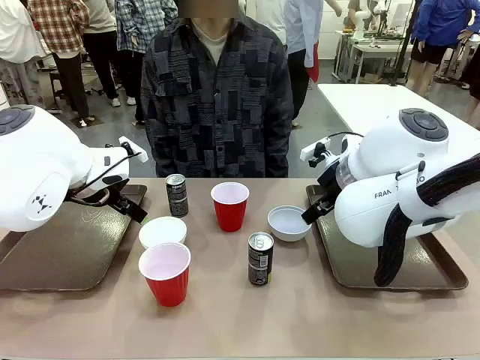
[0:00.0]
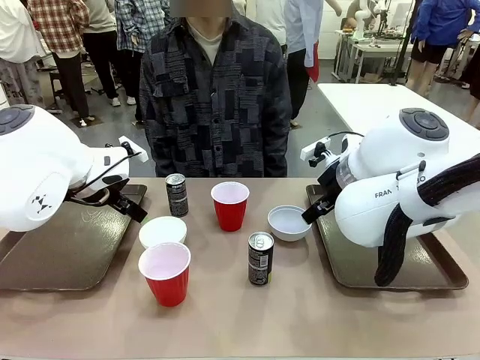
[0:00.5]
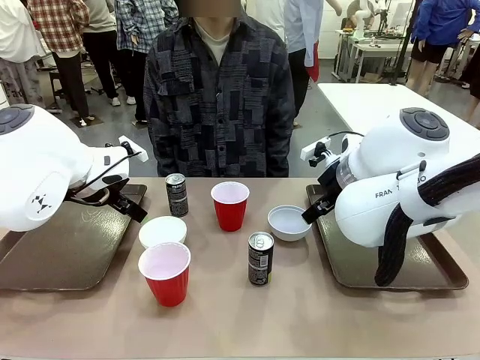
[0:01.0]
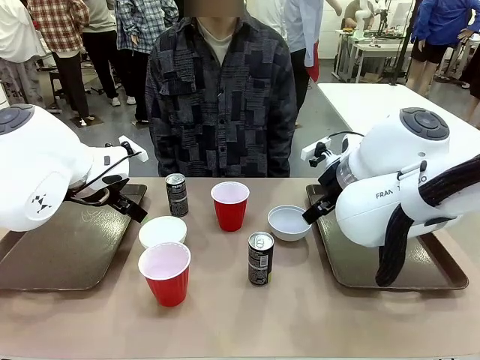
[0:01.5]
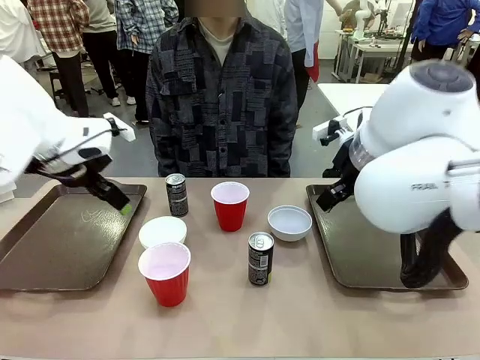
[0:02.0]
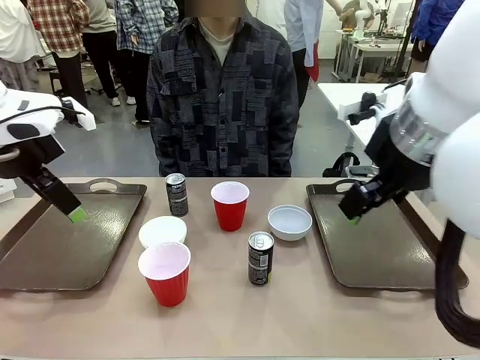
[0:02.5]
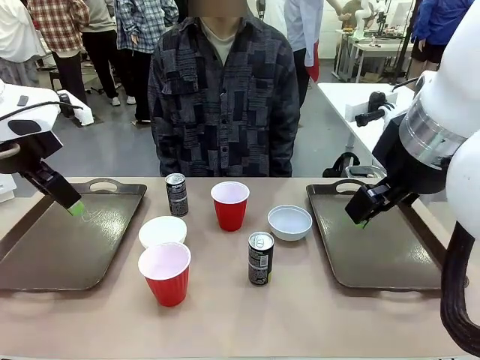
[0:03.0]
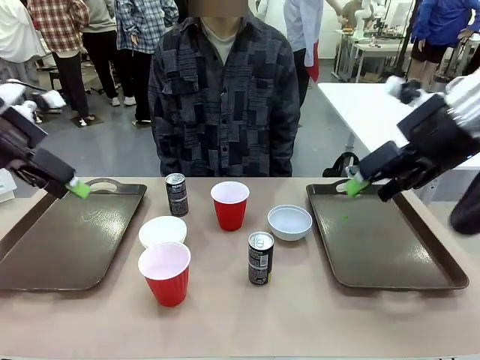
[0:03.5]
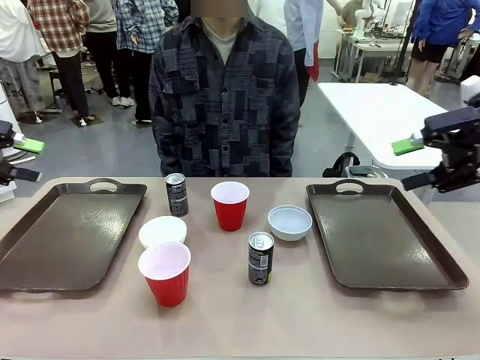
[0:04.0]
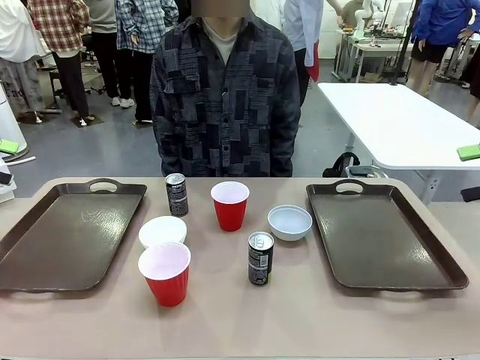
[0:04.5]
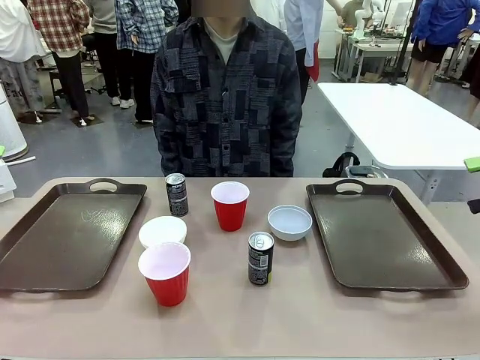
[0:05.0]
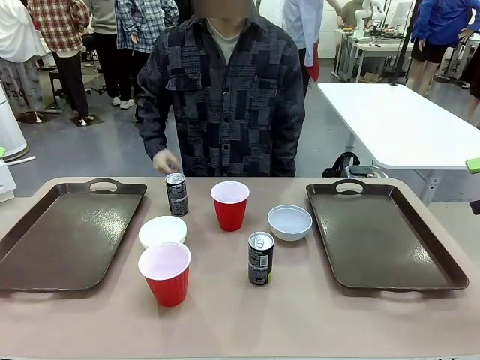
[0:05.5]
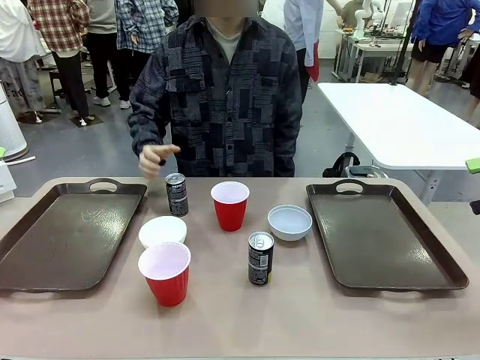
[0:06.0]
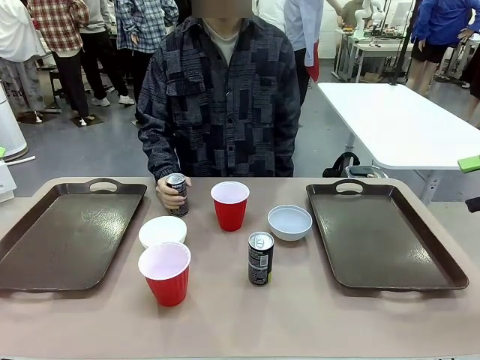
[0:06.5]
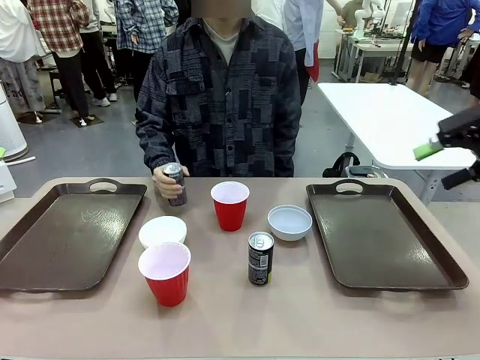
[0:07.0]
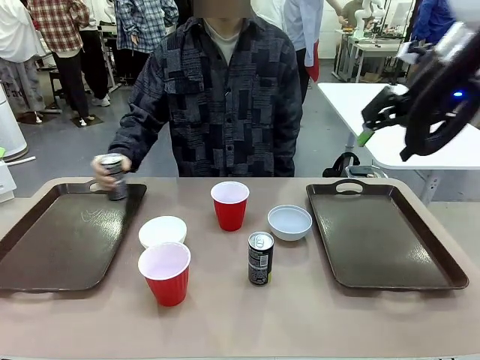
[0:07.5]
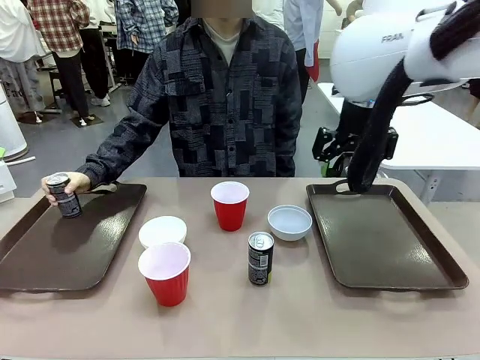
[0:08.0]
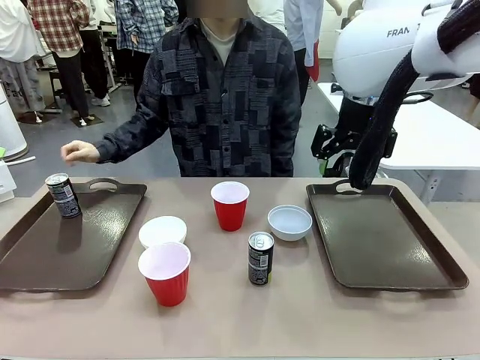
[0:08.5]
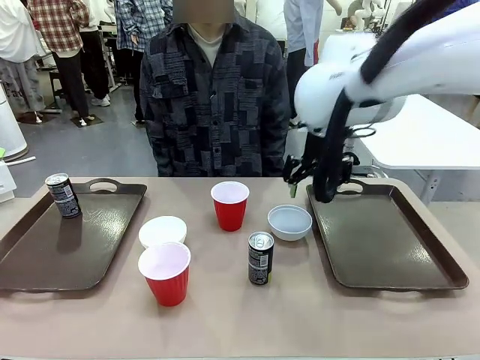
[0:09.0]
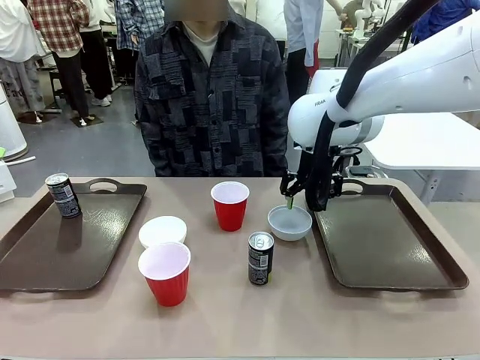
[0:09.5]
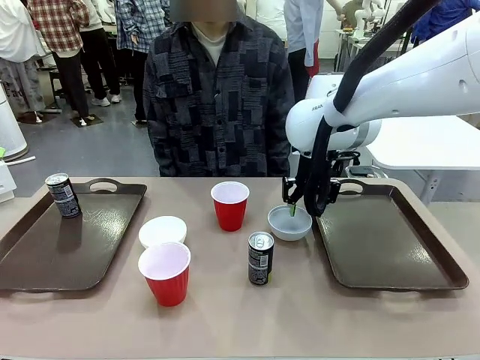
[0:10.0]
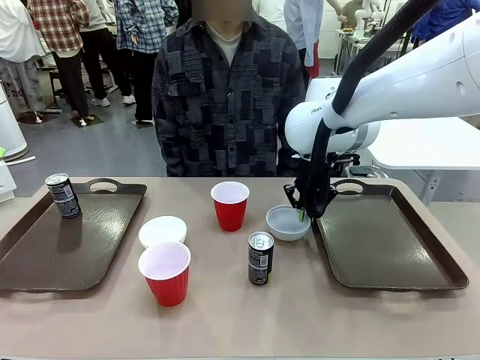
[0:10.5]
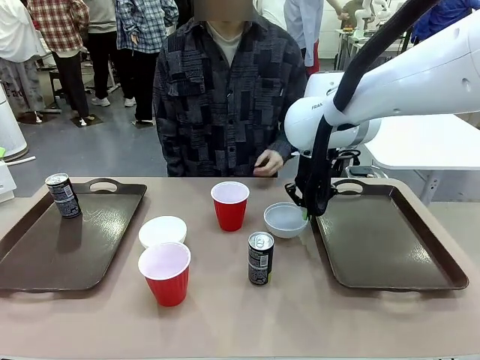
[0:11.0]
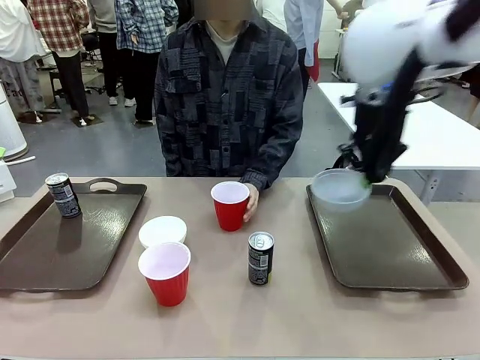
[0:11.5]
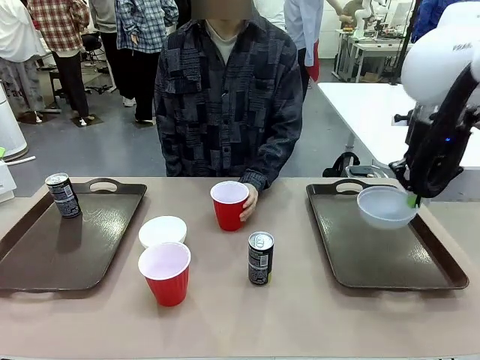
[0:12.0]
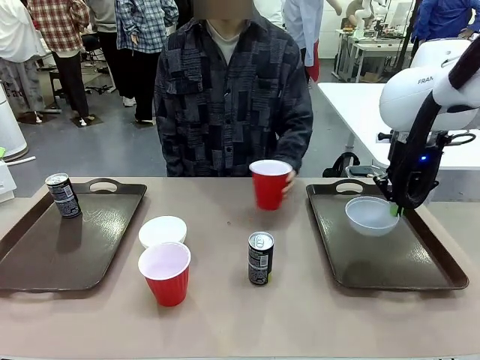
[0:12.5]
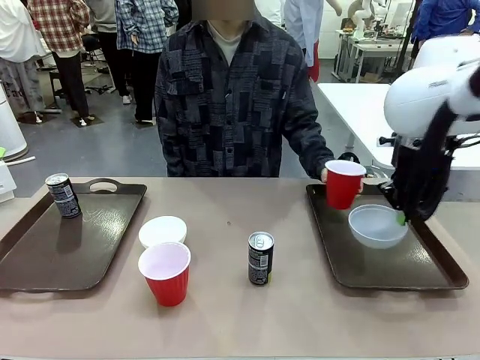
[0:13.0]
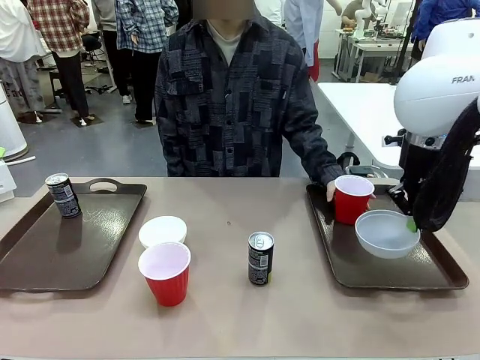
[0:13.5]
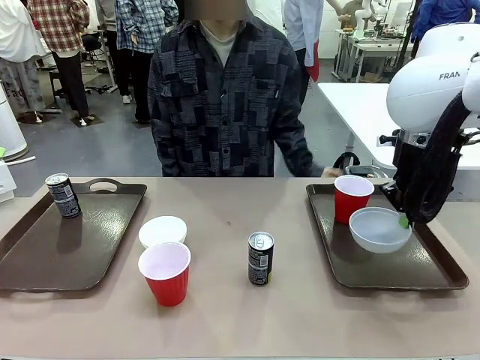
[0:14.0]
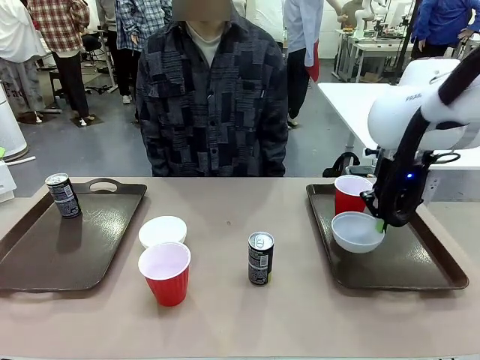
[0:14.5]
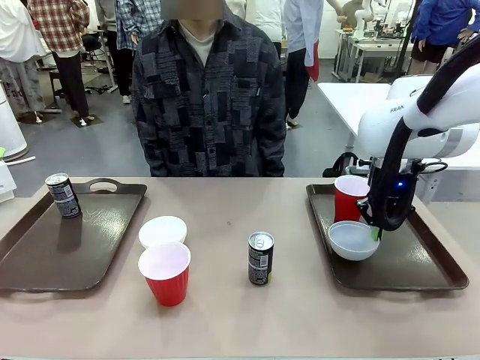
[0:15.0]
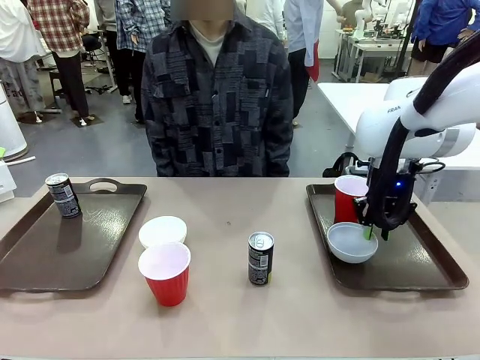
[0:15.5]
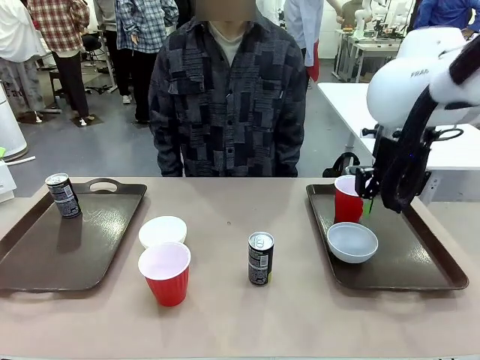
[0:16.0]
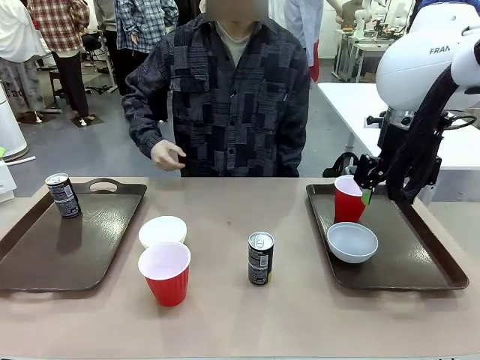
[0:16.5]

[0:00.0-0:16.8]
Task: Prepare tableware on both trays.
Robot: Pick up a Picnic Bowl from the table and place it on a Handle tray.
Person: Pick up a can or cup and place it on the tray.

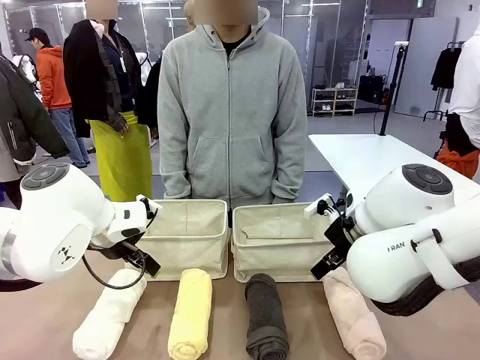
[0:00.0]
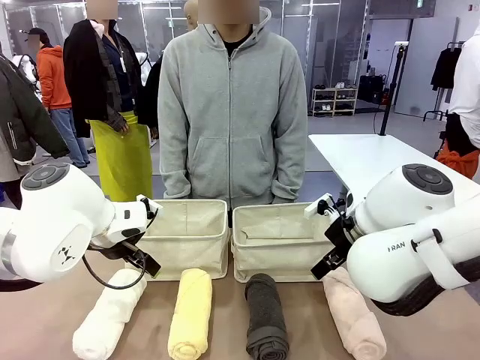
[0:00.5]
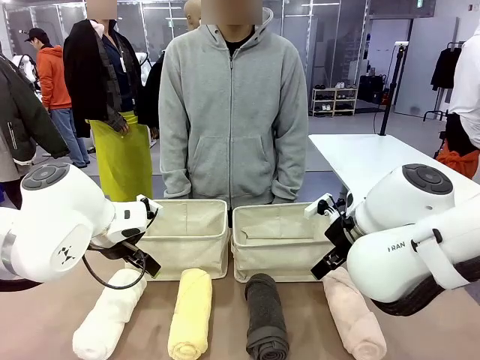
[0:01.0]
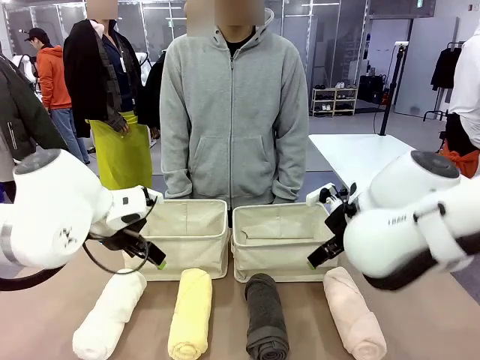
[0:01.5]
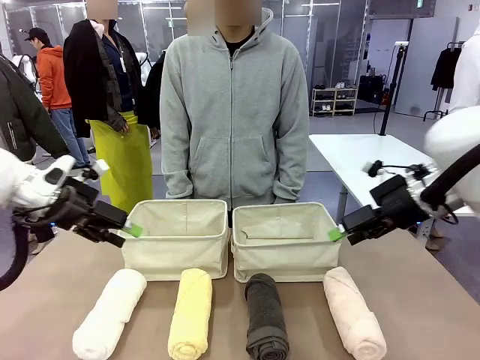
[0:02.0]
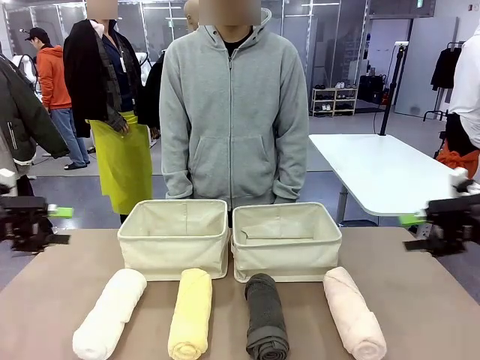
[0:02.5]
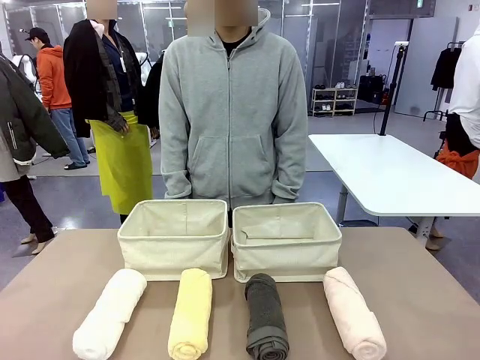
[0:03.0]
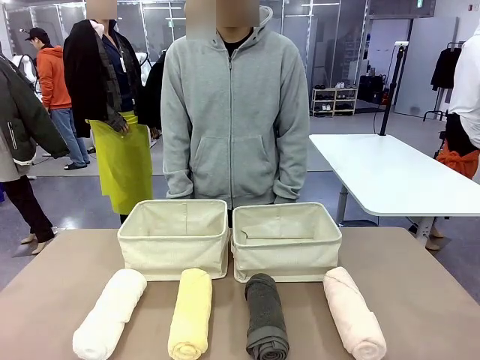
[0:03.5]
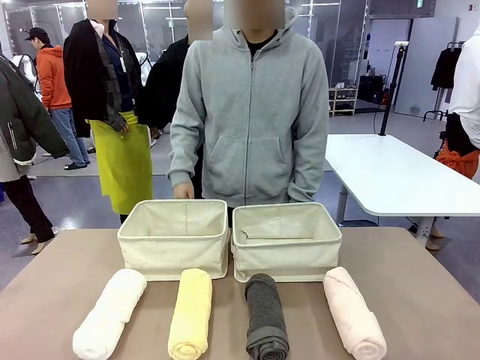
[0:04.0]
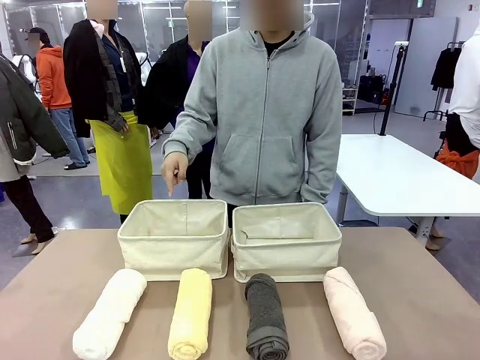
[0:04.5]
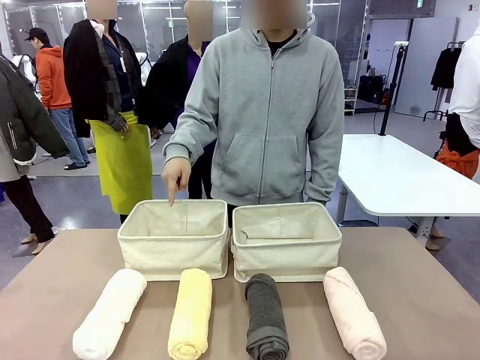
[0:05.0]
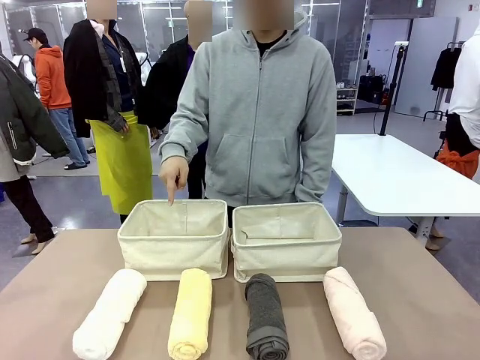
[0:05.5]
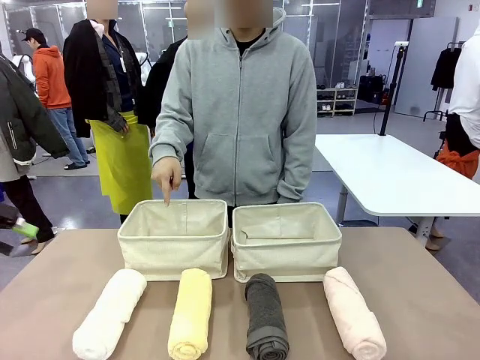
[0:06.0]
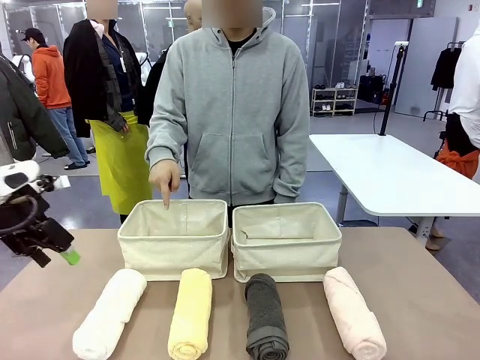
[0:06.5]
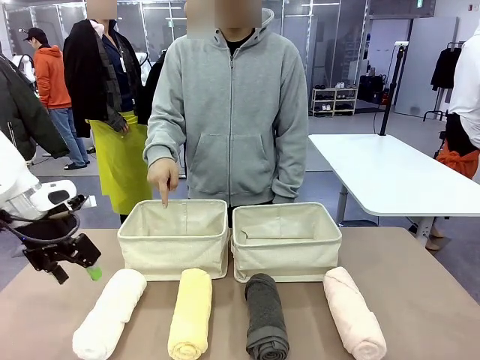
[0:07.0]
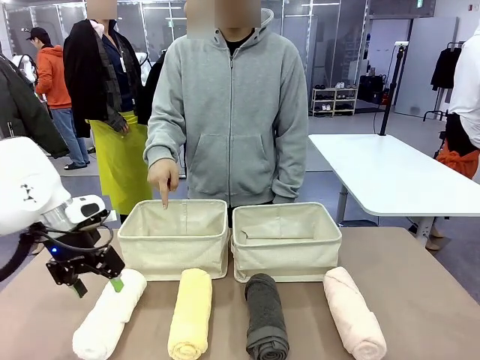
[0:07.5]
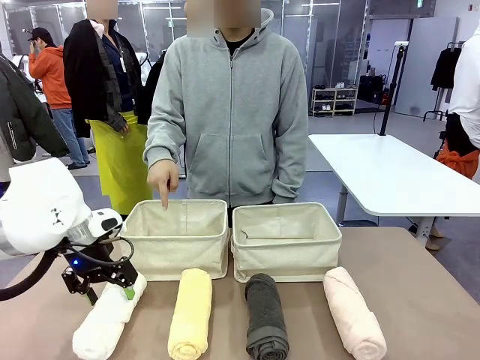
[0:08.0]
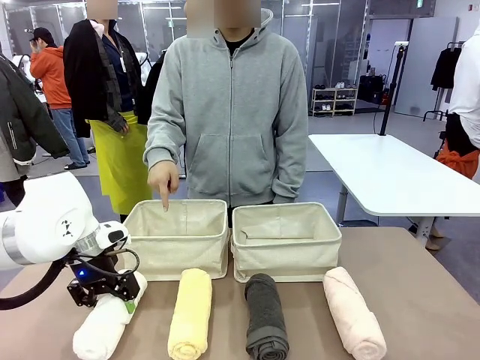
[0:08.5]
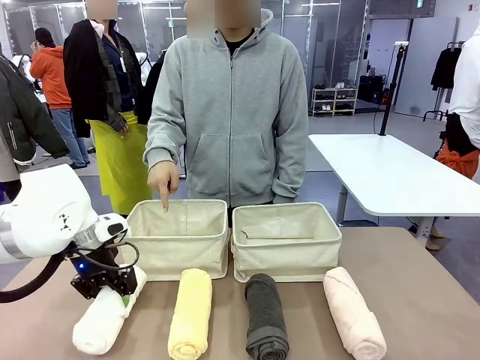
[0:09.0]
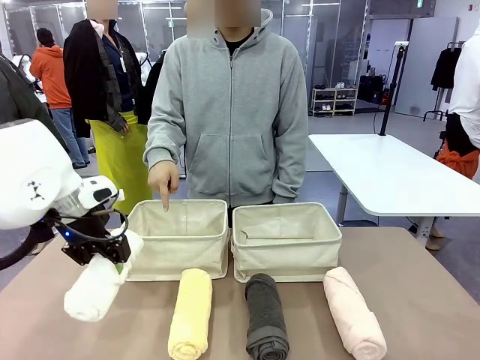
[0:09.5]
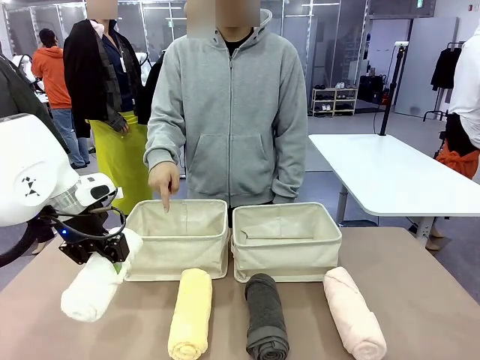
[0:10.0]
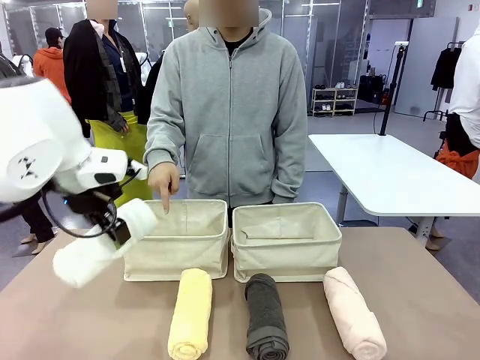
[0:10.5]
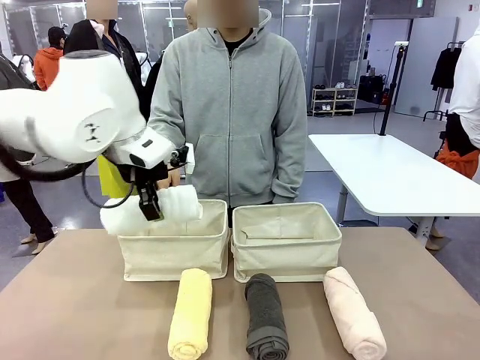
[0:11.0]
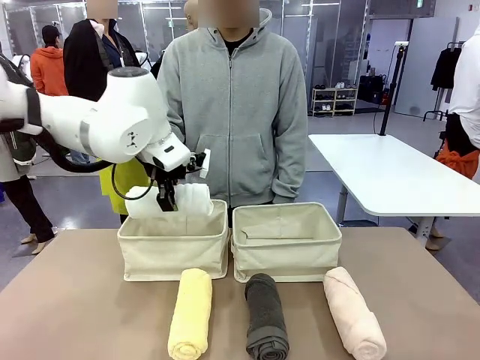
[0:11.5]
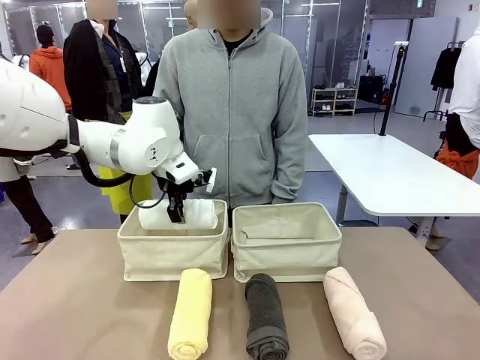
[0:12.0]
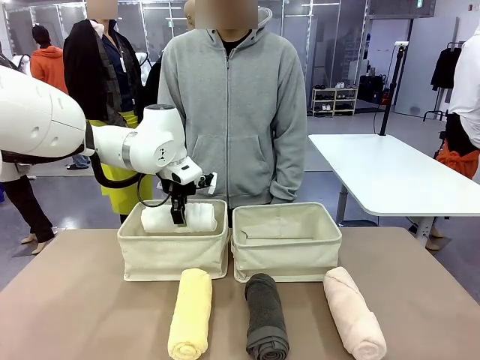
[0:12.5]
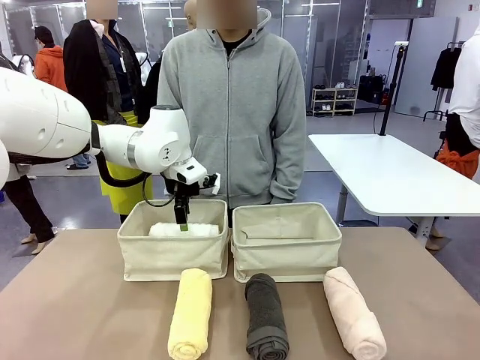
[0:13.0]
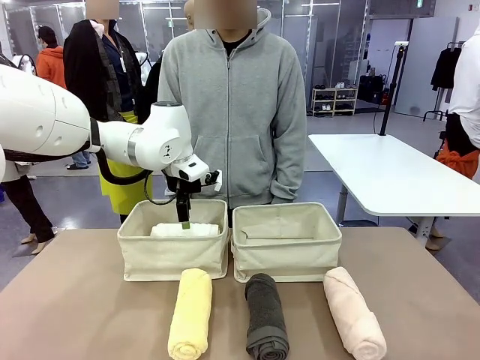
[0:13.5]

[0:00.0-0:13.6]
Task: Divide the towels into two baskets.
Robot: Pick up one hotel-folded towel and place it in the Fabric basket indicated by the person.
